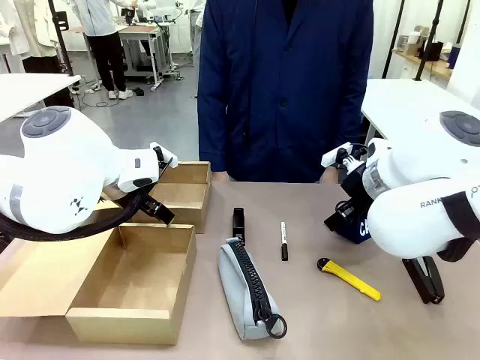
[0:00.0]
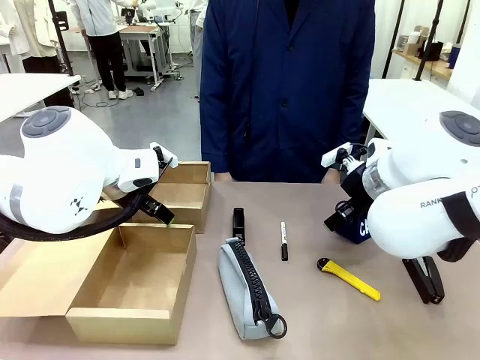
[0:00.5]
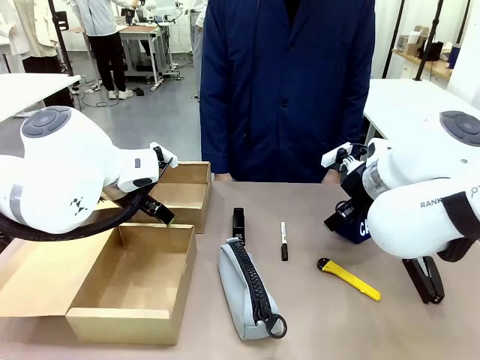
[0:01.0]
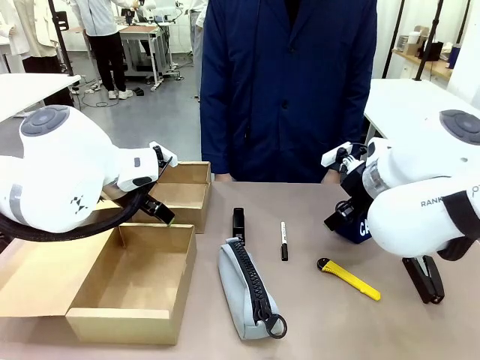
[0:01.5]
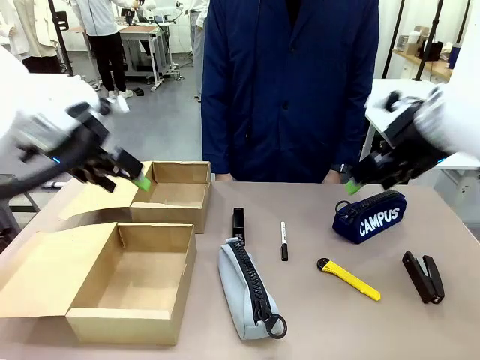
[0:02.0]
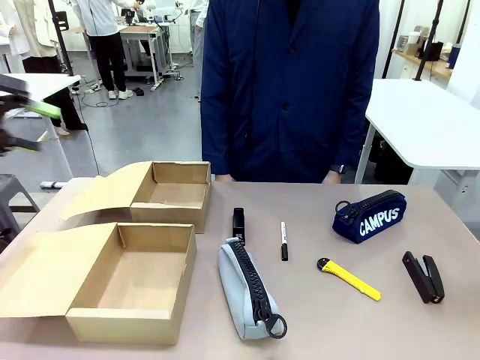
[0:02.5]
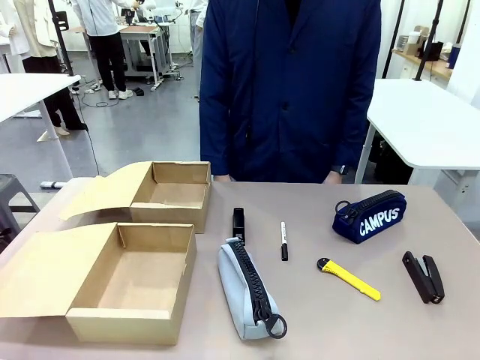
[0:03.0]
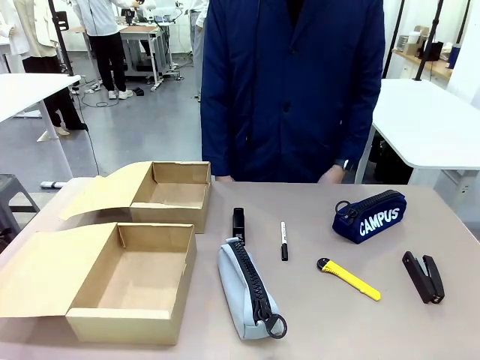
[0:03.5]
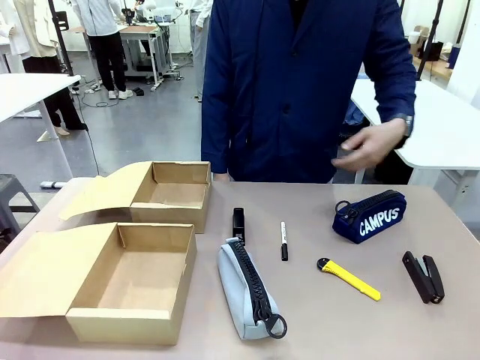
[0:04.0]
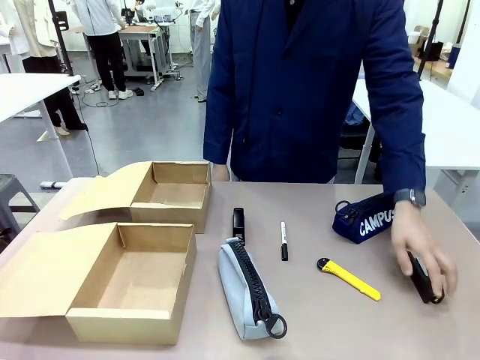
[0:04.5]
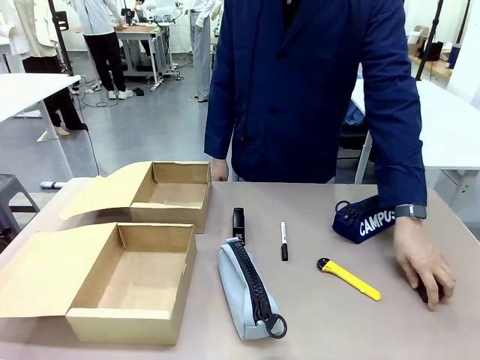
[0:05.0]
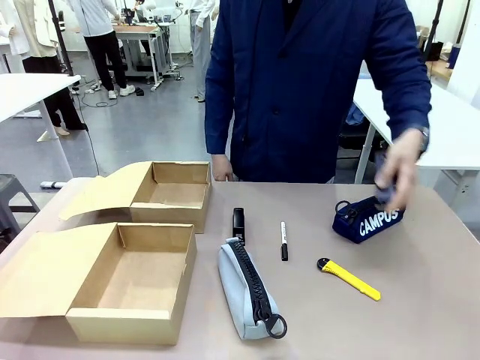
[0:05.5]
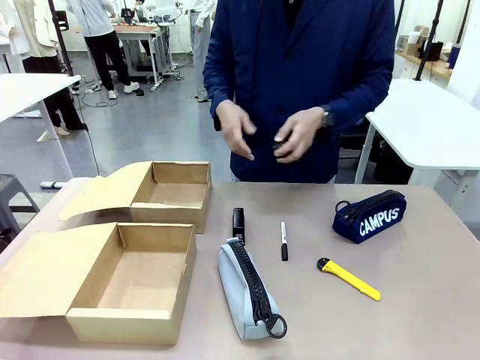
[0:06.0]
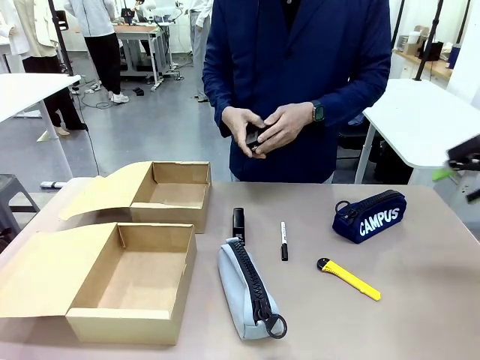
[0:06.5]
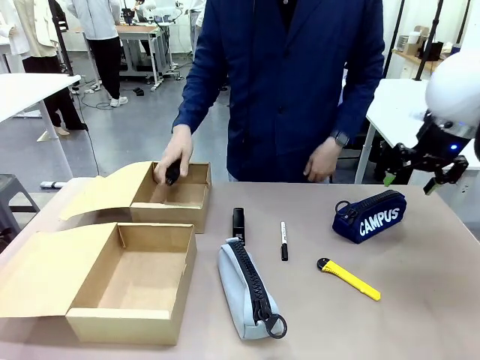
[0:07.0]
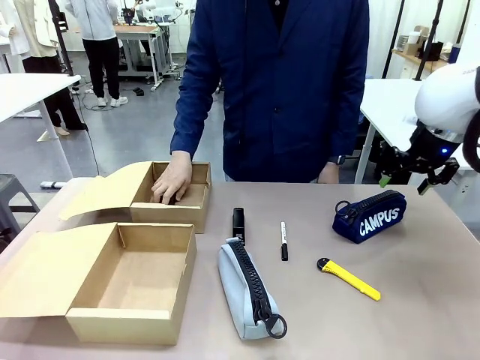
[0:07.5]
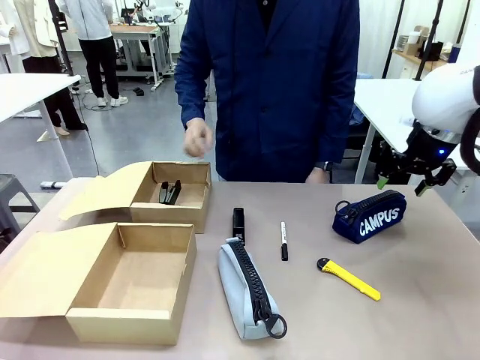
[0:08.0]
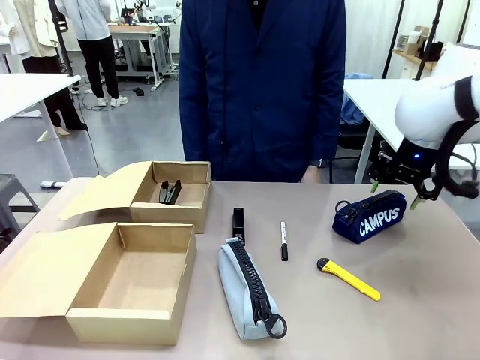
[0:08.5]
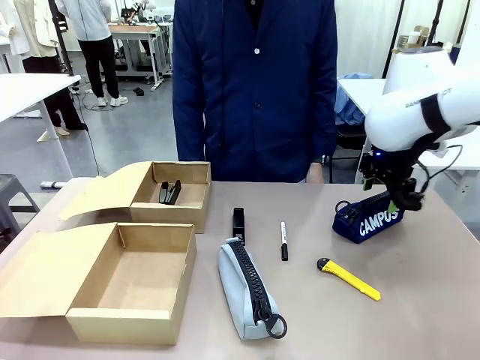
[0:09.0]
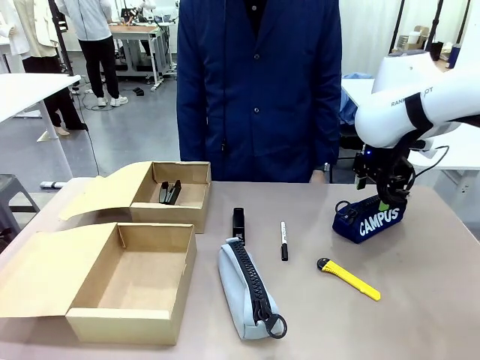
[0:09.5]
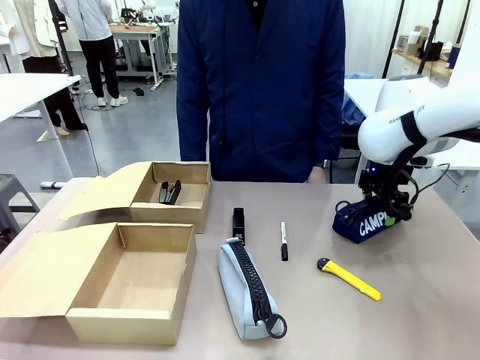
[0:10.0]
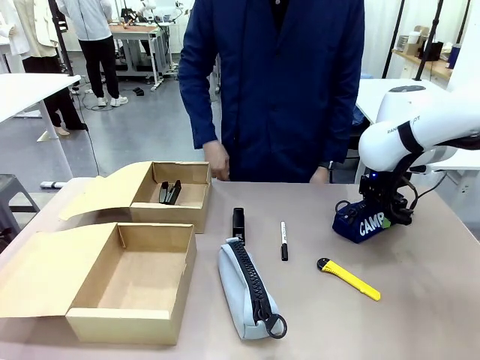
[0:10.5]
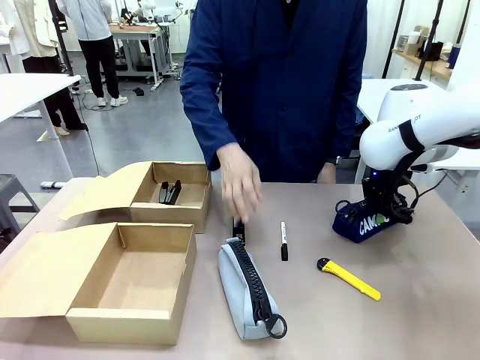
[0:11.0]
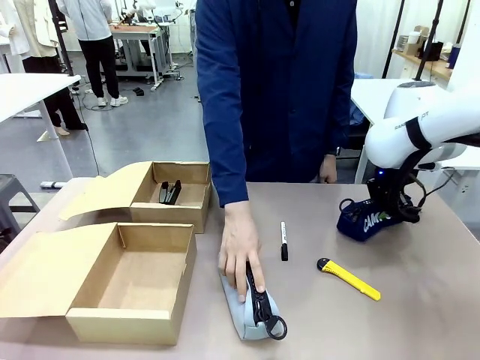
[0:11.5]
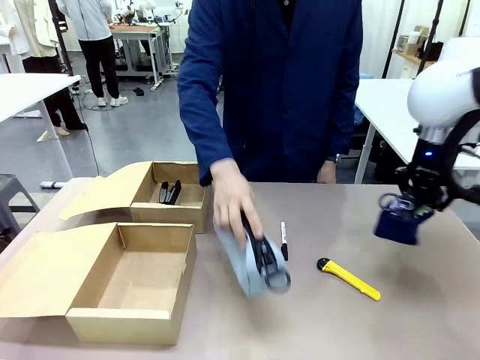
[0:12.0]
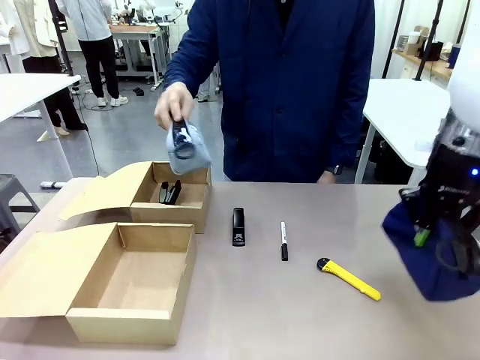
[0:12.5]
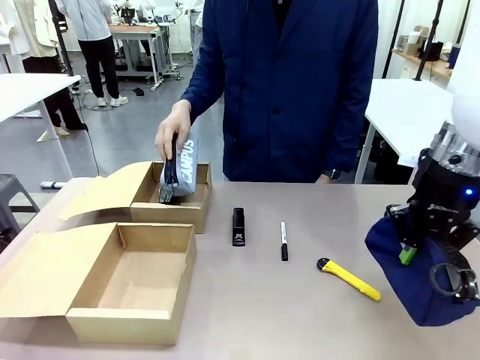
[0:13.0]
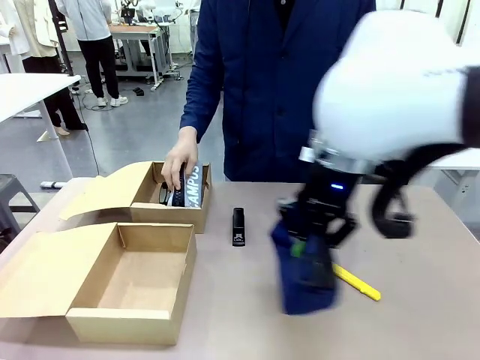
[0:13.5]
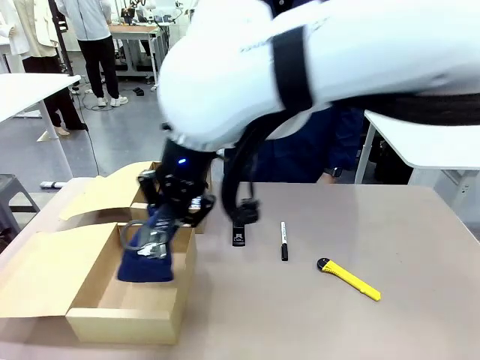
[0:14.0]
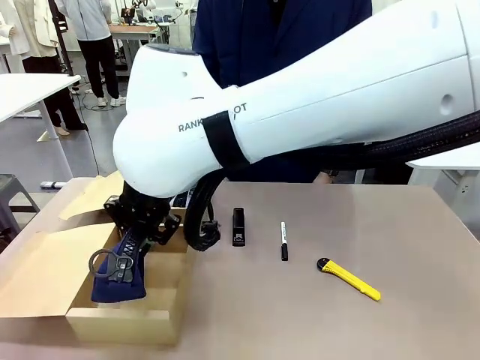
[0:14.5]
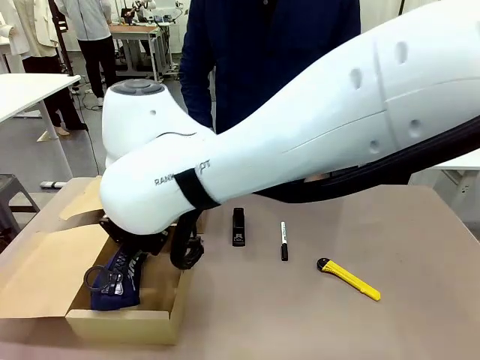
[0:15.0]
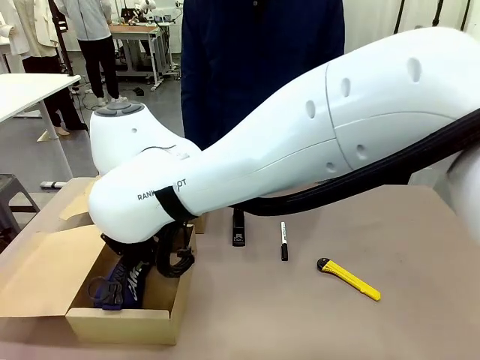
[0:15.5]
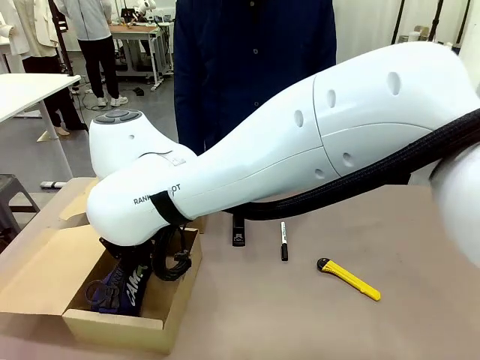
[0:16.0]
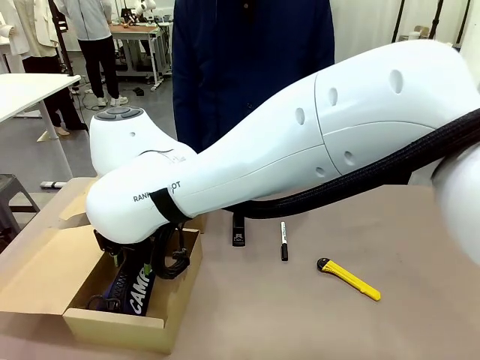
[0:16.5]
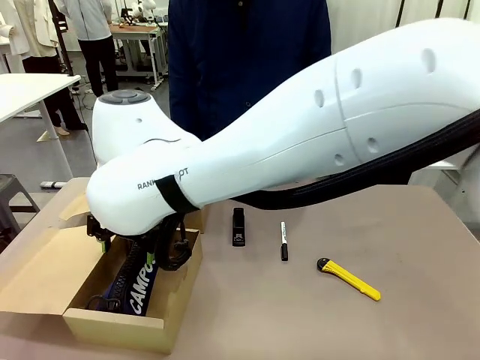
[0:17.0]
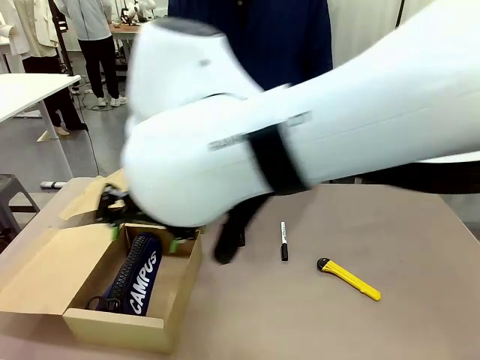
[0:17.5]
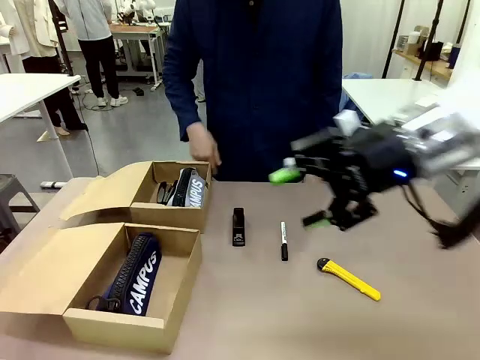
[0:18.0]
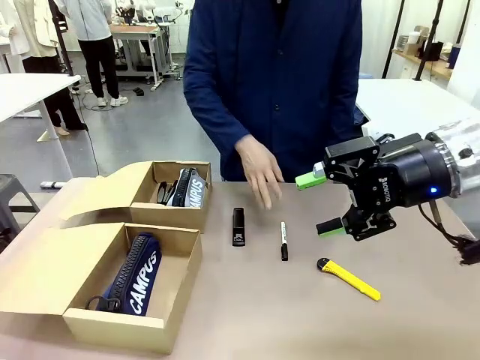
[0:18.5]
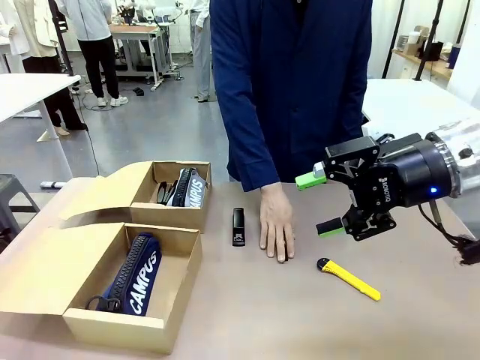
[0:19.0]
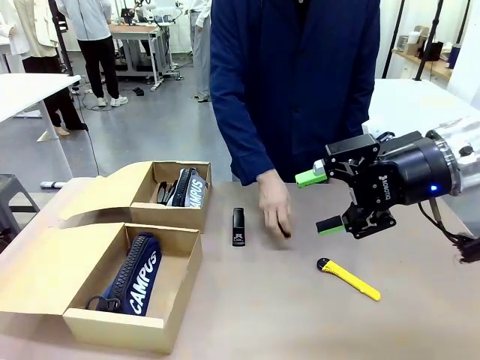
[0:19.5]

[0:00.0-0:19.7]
Task: Place items inside the box.
Robot: Pick up a Pencil pouch or Stapler and place it inside the Mailer Box closest to the robot.
Person: Pick up an object on the table and put it in the box.
